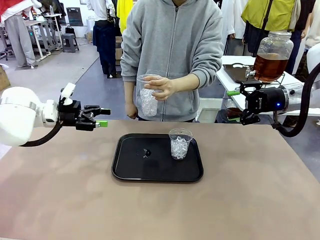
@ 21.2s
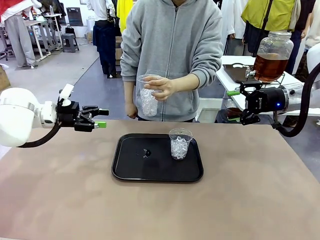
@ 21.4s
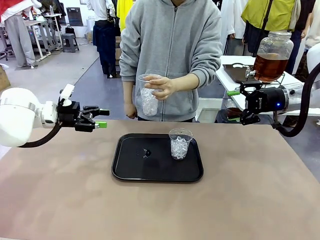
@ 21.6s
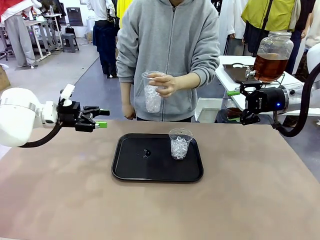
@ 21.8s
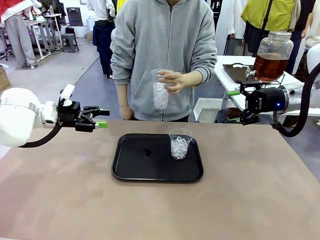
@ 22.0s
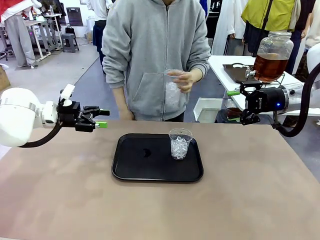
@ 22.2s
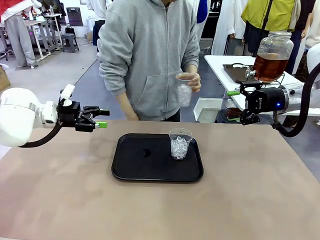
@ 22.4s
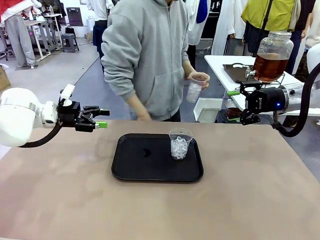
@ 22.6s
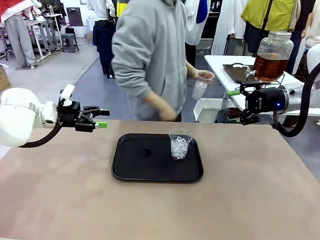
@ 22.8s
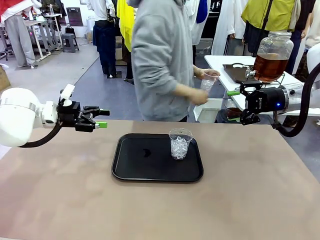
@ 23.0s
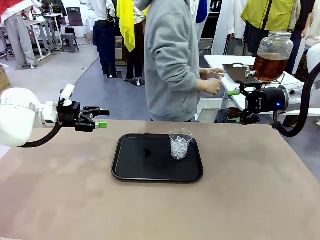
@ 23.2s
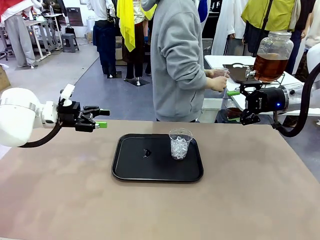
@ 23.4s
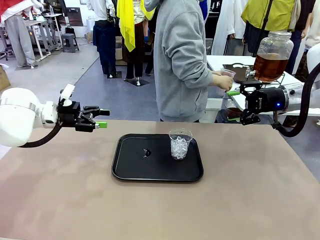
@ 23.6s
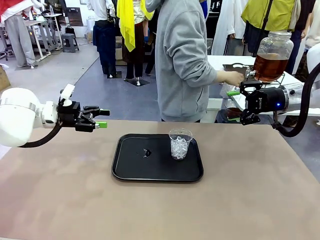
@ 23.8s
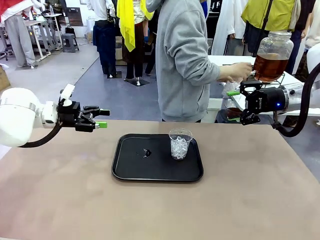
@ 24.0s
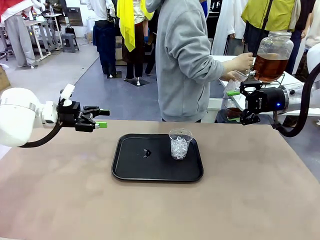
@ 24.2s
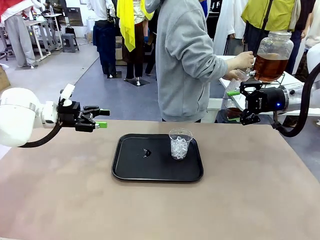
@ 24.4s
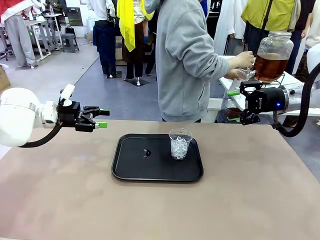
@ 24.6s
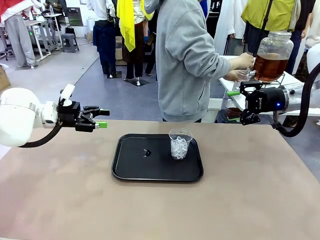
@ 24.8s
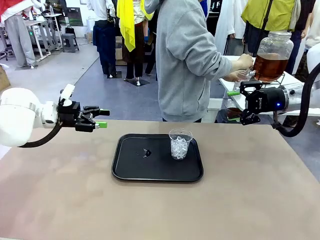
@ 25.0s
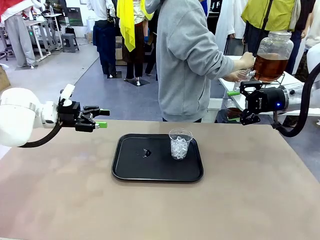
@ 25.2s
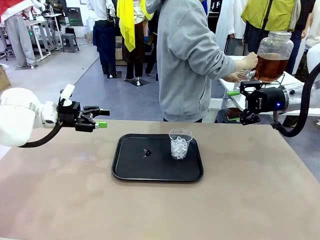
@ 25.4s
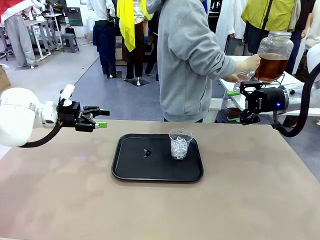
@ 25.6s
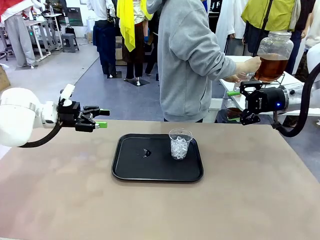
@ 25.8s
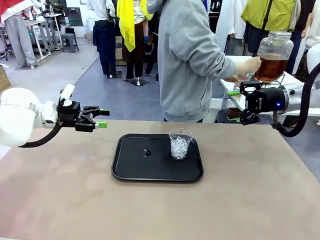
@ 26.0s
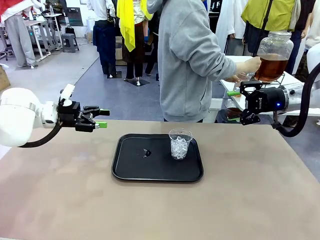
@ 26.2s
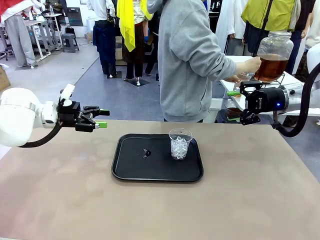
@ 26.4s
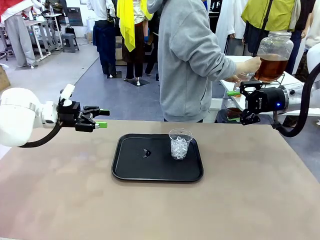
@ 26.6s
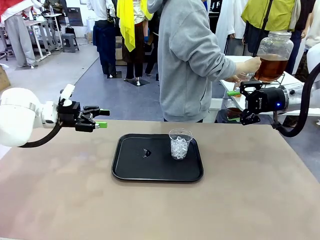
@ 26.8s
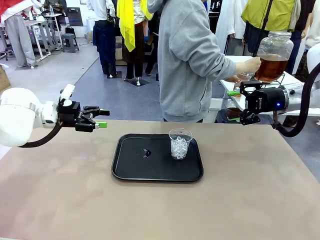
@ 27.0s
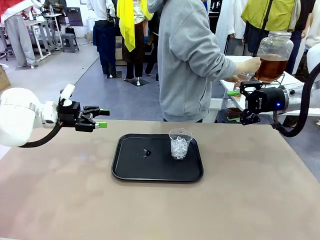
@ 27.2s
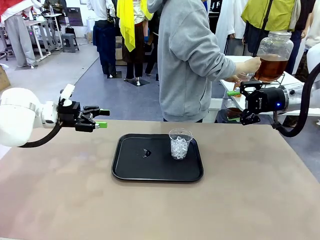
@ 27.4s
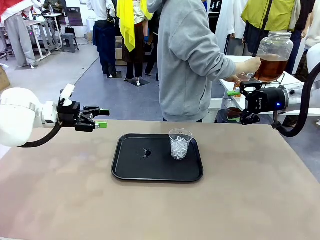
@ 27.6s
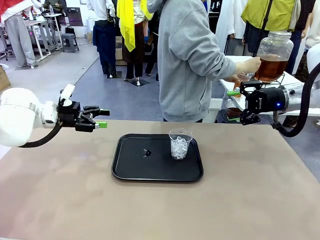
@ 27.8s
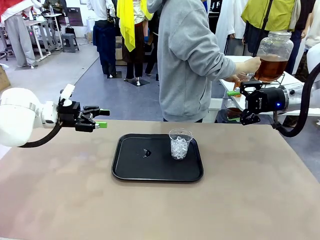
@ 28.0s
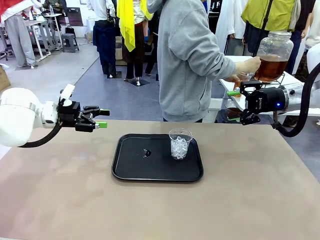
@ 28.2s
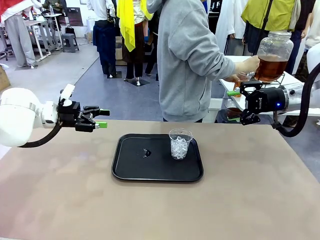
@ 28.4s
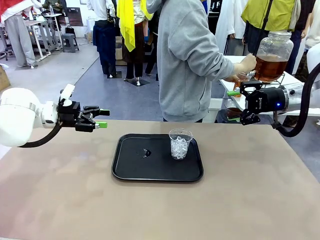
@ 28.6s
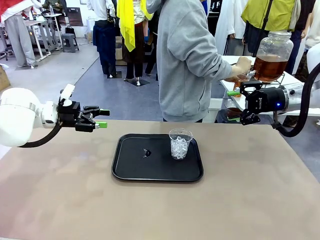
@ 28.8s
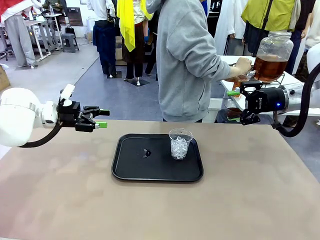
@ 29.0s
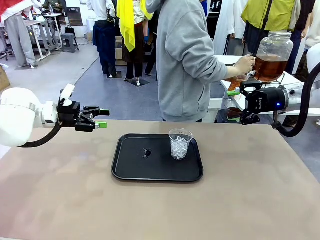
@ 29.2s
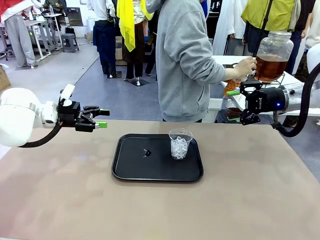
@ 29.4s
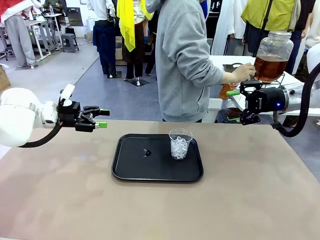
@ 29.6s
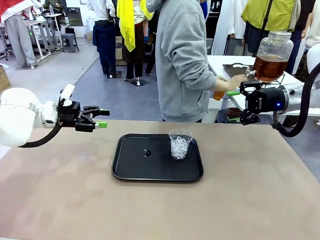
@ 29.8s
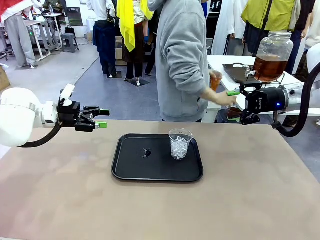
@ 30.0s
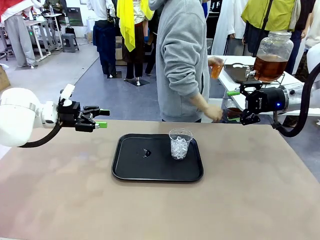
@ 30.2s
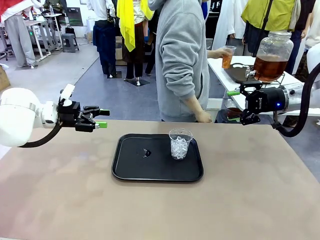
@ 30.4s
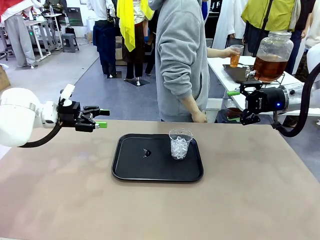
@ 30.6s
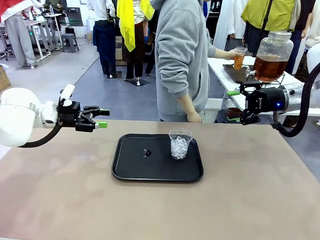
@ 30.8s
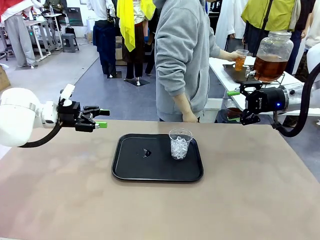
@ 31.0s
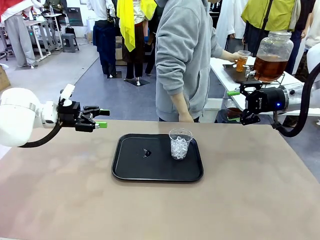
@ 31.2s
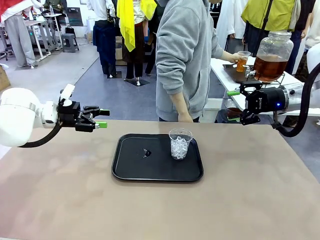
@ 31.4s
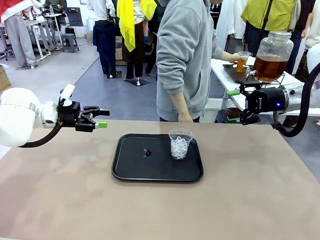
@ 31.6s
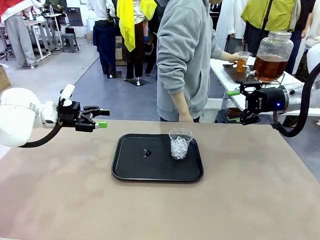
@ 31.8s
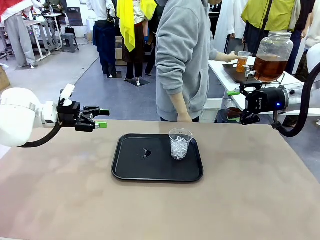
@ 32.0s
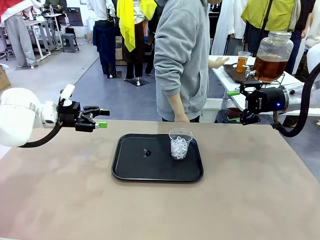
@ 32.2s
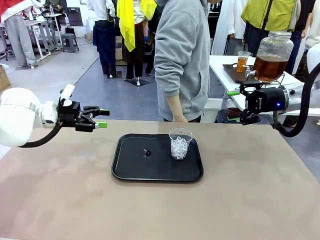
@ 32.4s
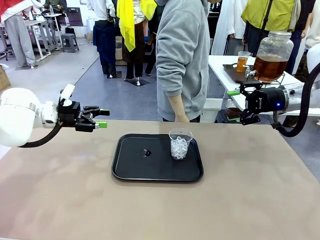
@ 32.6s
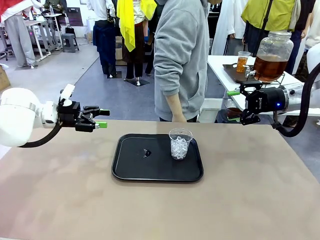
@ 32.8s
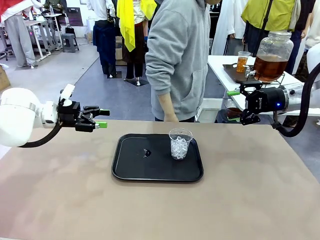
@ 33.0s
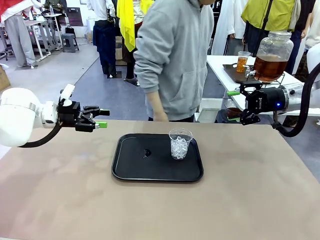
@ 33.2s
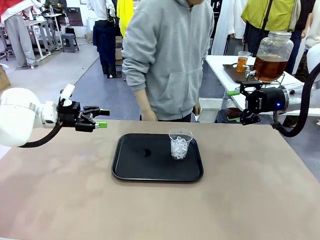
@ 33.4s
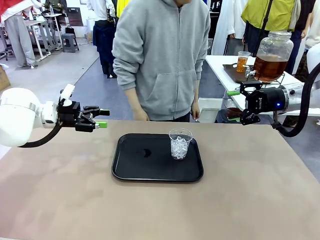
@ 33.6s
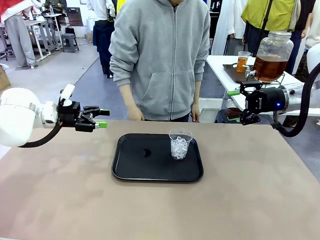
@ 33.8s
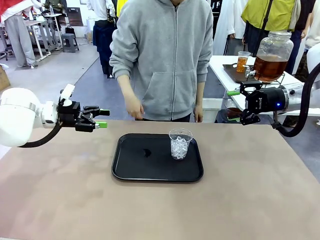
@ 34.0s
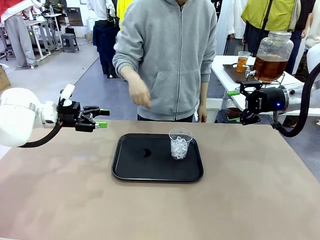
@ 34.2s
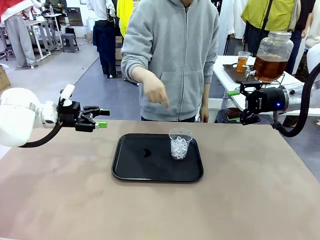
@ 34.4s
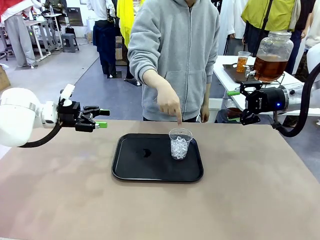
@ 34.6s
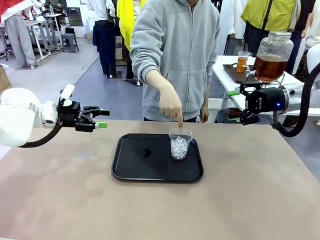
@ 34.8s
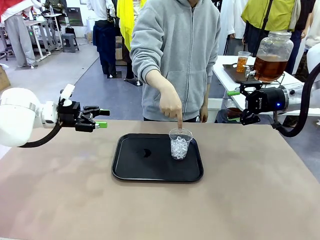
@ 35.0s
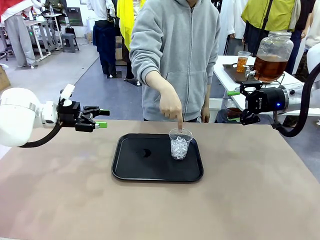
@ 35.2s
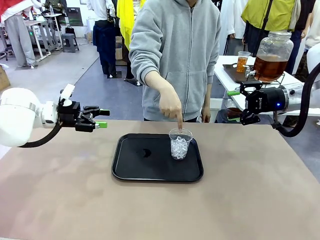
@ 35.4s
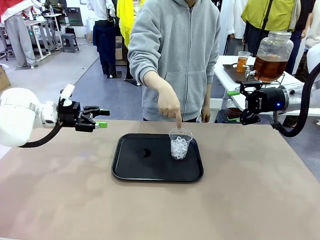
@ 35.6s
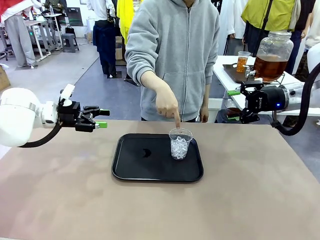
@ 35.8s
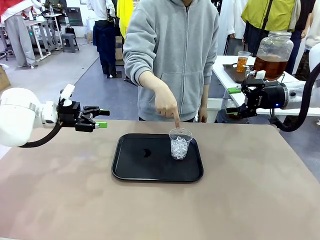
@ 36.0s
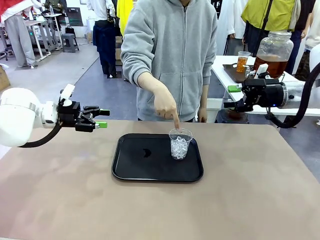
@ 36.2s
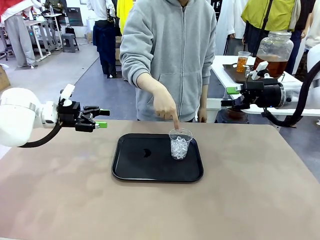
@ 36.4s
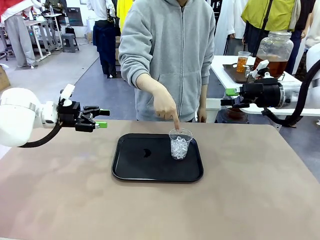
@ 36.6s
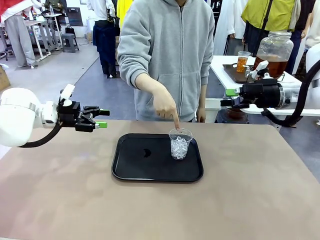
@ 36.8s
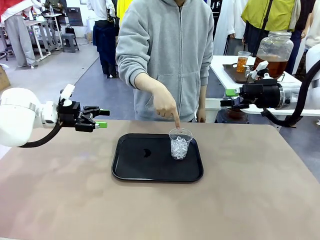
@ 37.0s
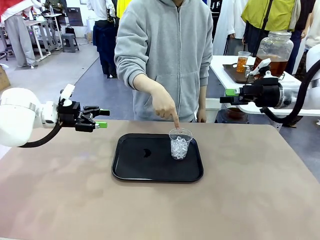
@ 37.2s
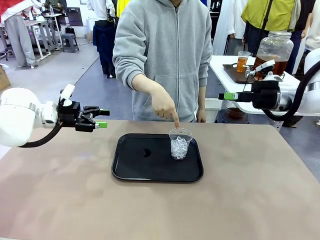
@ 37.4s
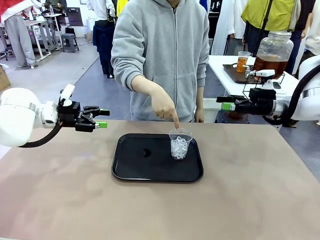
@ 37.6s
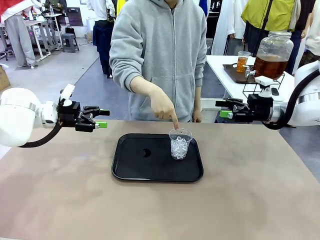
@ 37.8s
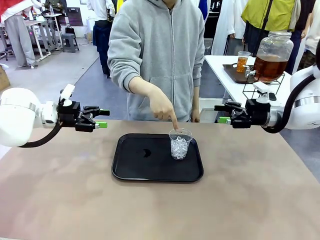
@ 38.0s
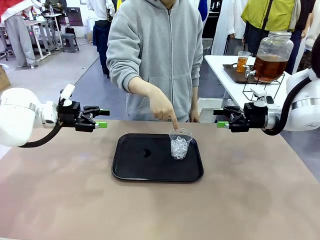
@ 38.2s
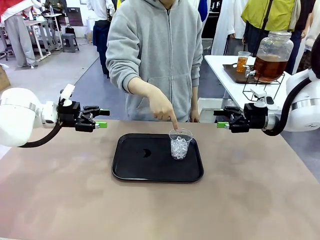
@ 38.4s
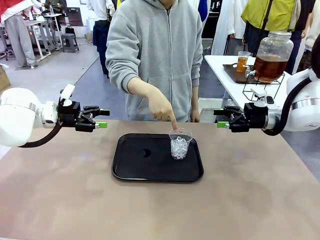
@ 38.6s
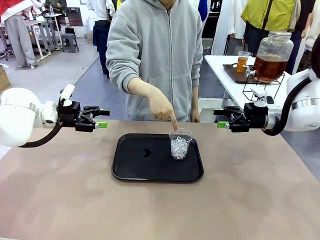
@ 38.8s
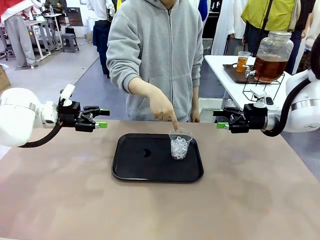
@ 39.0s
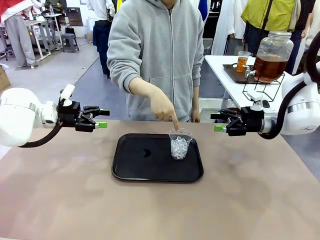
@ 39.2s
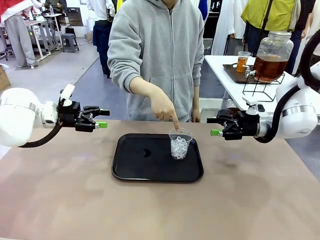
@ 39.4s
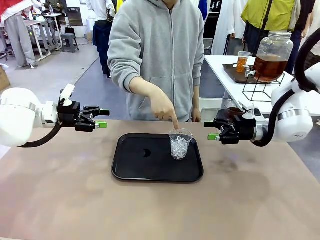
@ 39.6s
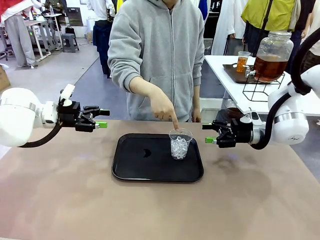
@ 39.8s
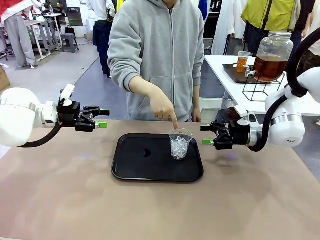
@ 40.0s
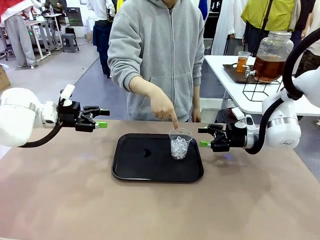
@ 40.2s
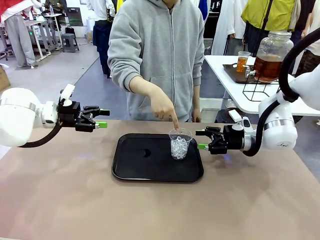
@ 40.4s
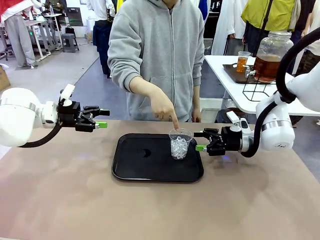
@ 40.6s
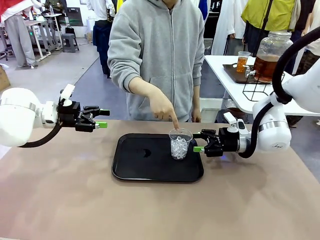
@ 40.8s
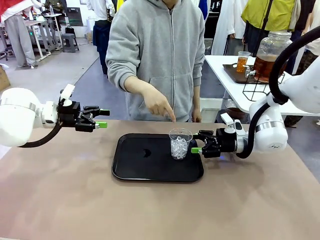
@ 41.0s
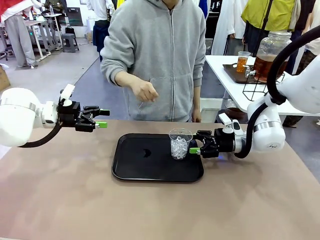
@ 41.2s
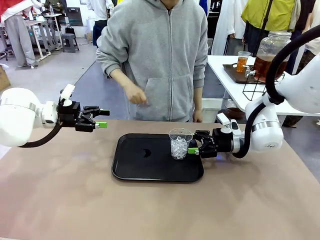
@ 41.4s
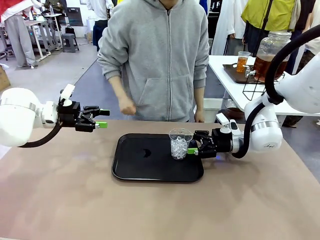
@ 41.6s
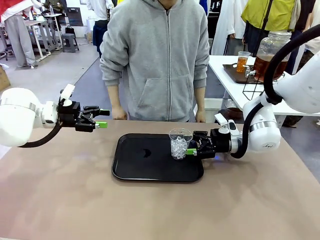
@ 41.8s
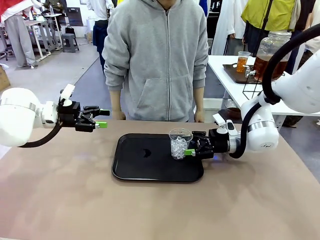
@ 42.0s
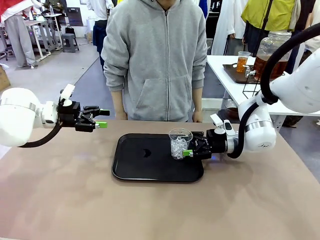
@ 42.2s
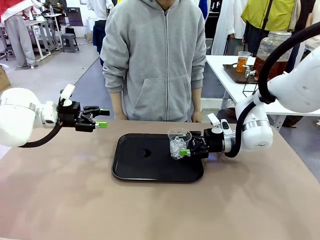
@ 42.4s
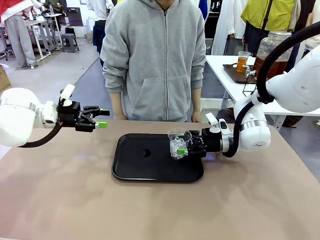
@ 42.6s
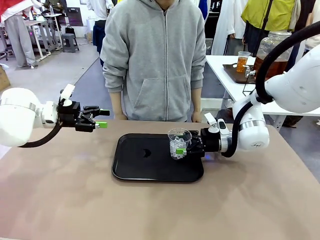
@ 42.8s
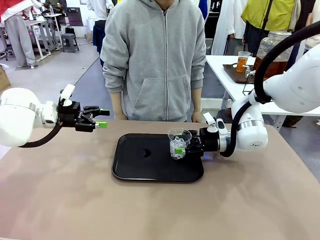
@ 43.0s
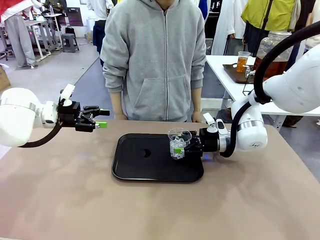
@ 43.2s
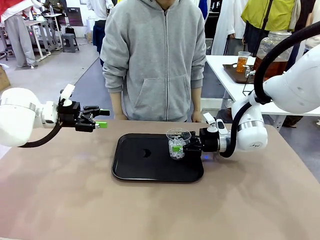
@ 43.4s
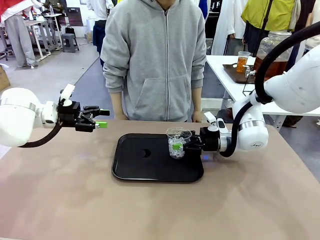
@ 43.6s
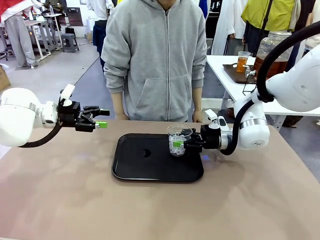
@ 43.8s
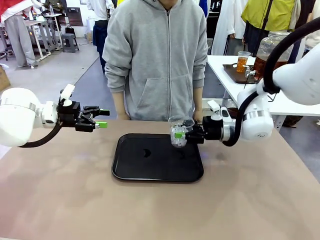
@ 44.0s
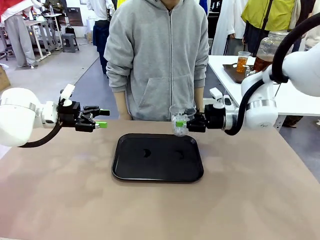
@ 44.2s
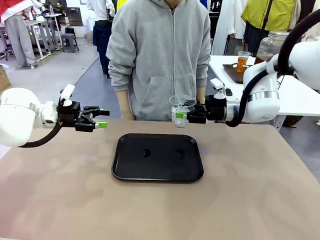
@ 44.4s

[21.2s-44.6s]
Task: Pour the drink into the iced cup.
Robot: Pick up the iced cup indicated by the human and present it to them.
Person: Move the picked-up cup under the dispenser faucet, pour the drink, and place it on the tray on the human table. Point to the remaining ice cup on the robot table. Pick up the cup offered by the robot.
